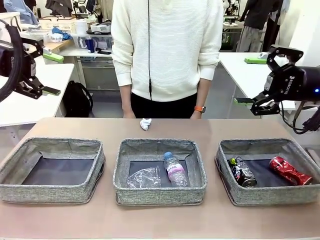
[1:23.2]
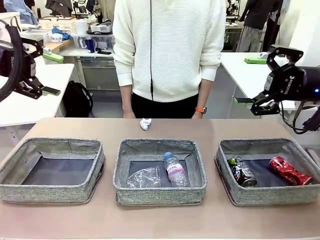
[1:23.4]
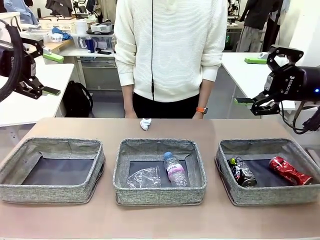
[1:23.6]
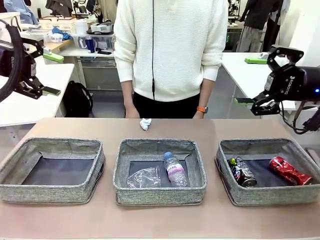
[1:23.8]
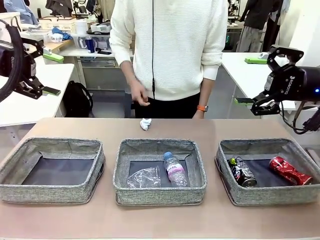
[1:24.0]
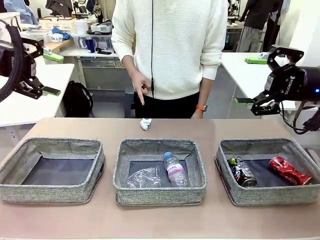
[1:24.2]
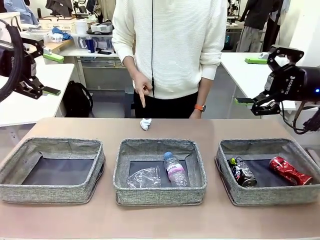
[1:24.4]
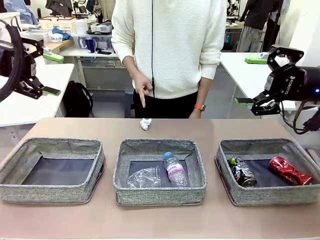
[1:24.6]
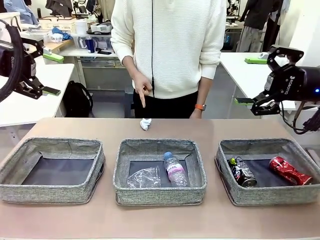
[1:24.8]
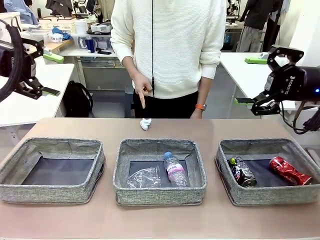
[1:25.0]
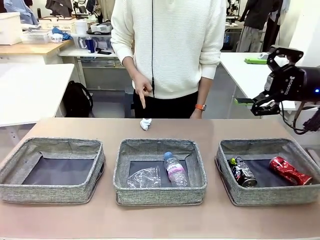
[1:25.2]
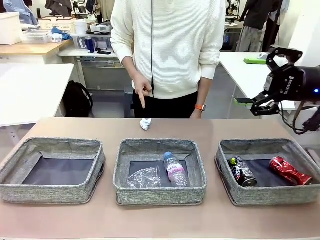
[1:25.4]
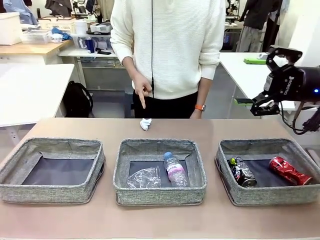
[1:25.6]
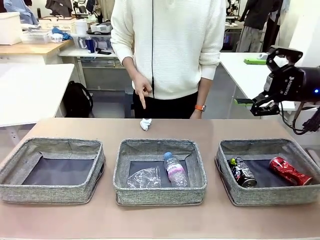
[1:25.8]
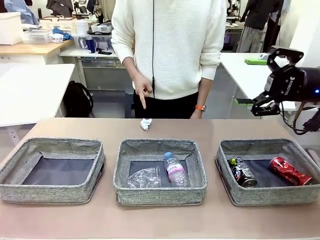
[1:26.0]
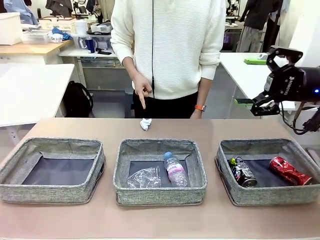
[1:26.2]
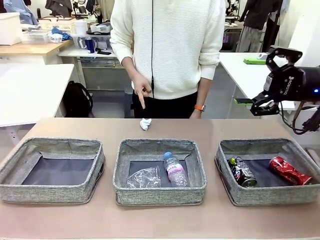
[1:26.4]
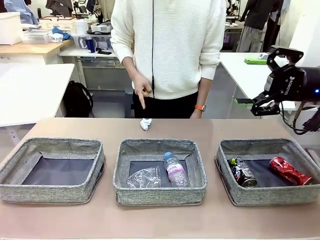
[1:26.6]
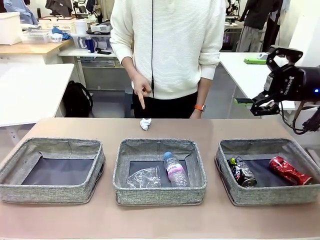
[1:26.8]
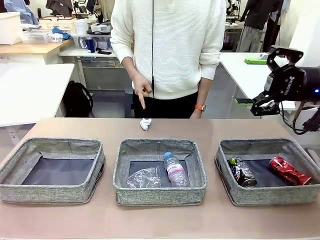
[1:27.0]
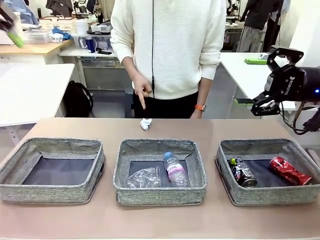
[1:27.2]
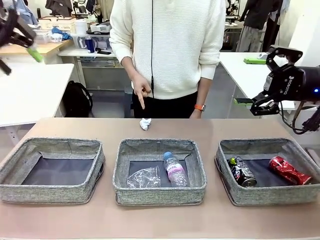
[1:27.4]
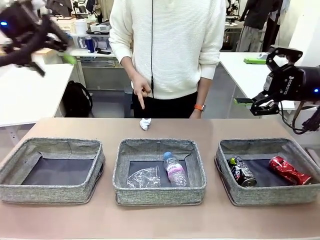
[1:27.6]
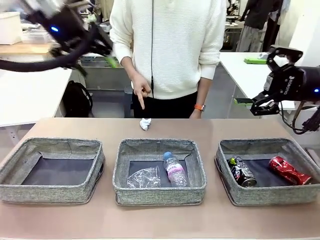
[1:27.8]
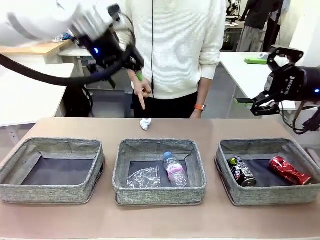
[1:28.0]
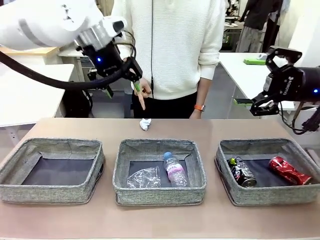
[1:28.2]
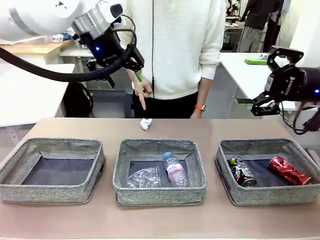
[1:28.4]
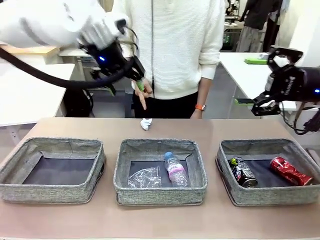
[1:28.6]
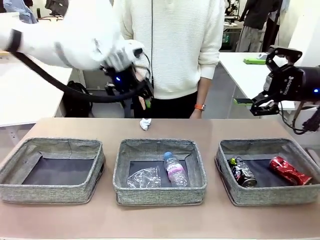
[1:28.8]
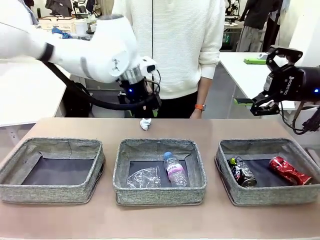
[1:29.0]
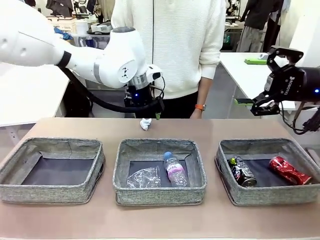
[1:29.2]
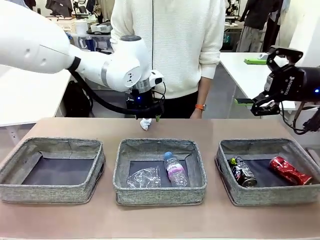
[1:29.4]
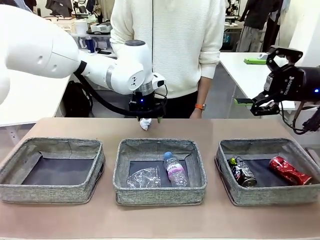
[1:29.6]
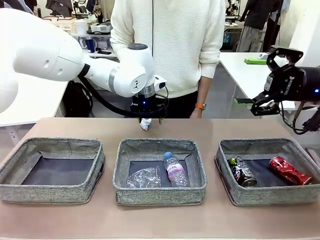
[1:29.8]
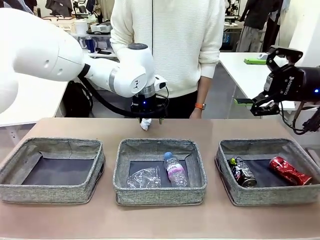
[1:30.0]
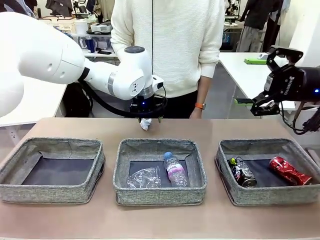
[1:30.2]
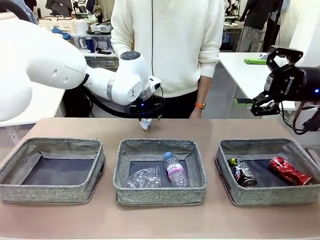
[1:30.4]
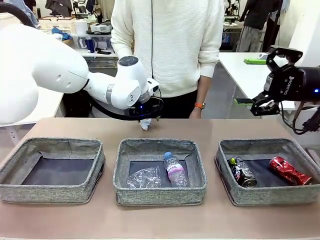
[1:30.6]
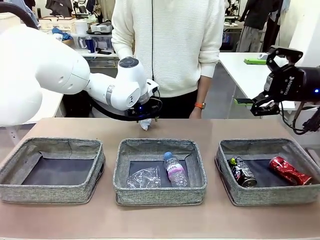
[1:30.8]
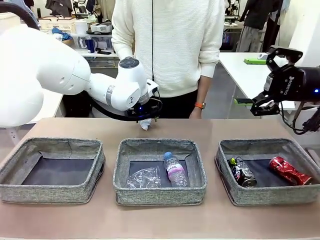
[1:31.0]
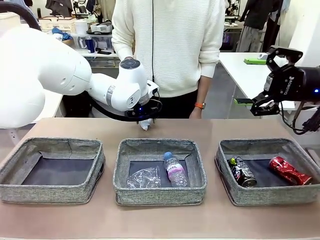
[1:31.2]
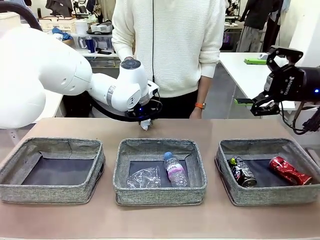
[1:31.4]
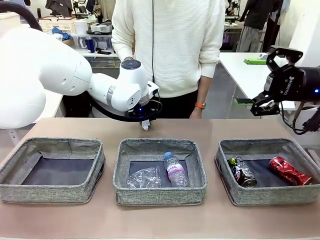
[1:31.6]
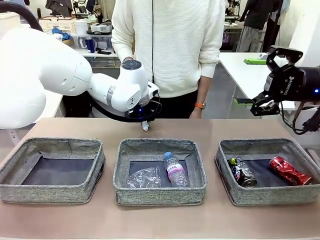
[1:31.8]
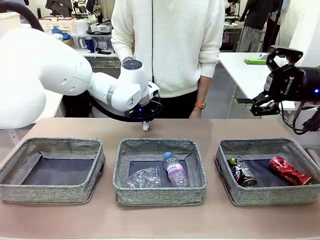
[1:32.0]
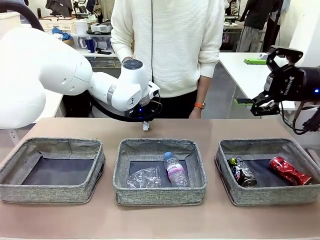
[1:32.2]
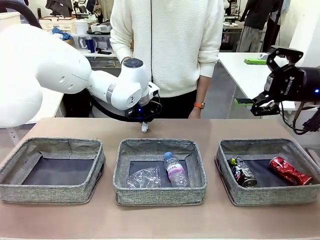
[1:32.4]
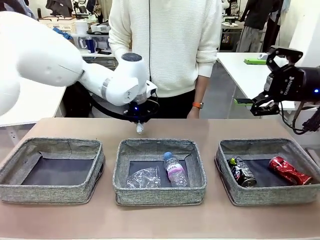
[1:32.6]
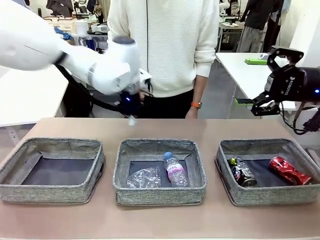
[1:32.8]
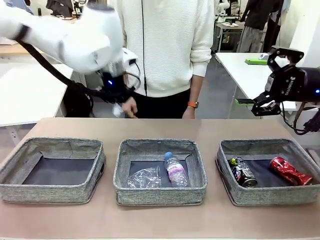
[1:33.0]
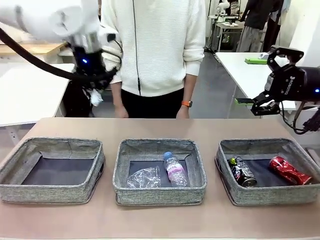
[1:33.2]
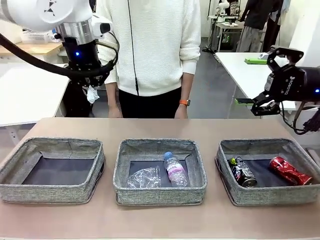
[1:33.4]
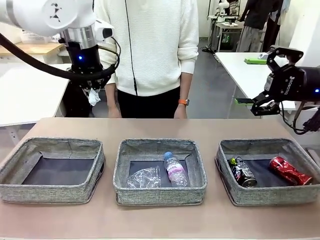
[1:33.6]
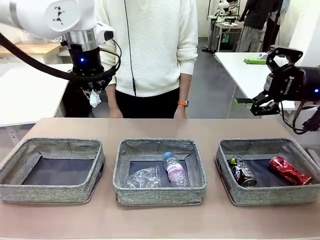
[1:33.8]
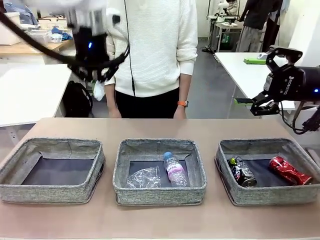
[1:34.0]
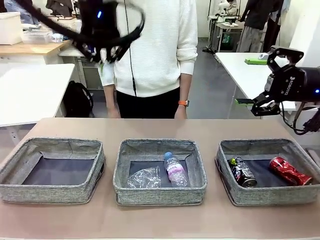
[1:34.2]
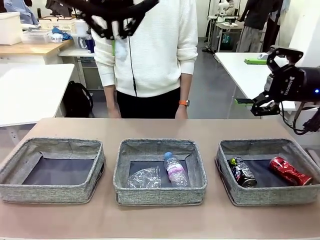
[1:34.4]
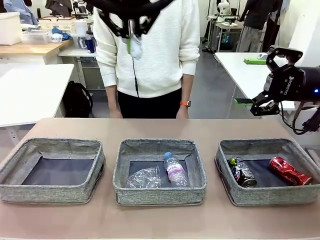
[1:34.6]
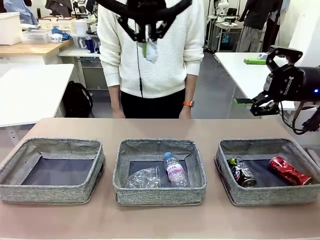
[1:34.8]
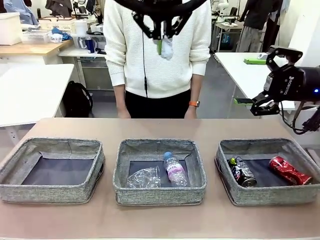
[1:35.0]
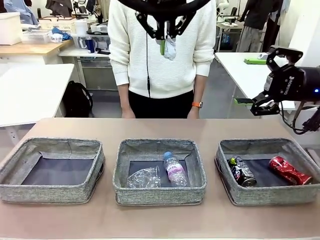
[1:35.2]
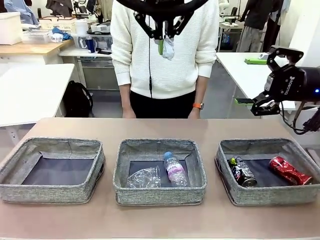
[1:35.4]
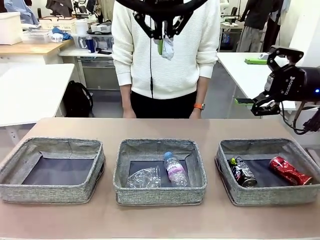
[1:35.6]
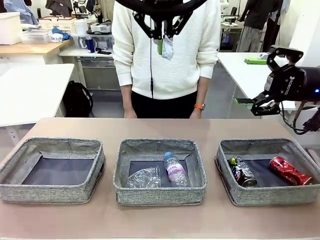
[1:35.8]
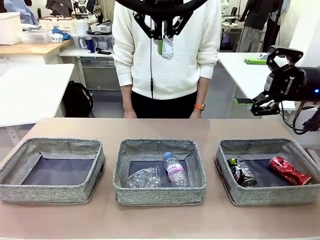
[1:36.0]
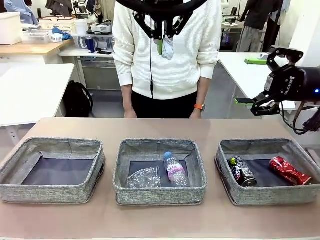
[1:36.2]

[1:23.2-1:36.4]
Task: Sort the waste into the appropriate baskets.
Robot: Pick up the waste item pointed out by the person.
Person: Points to one piece of trash on the table.

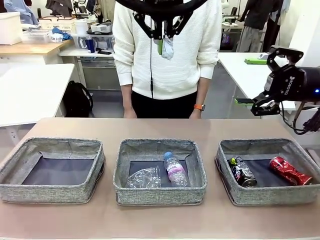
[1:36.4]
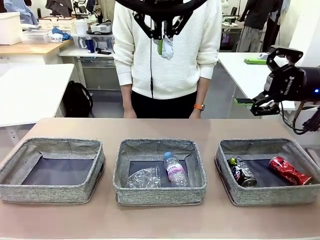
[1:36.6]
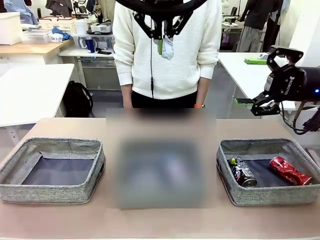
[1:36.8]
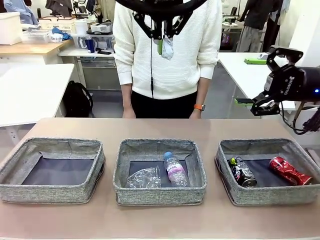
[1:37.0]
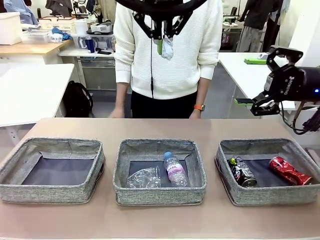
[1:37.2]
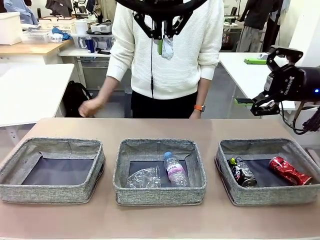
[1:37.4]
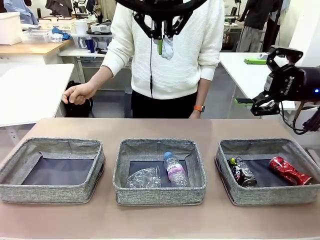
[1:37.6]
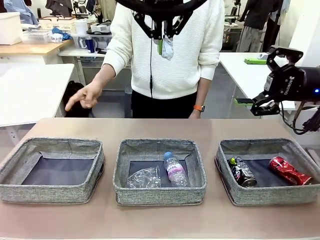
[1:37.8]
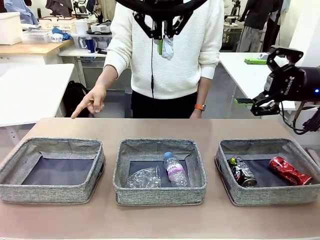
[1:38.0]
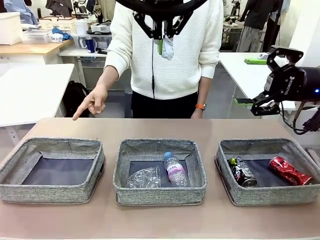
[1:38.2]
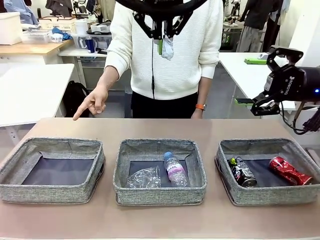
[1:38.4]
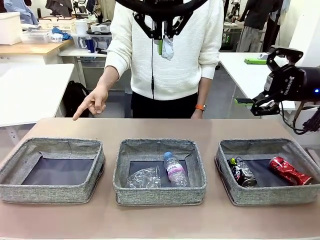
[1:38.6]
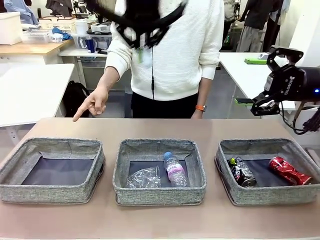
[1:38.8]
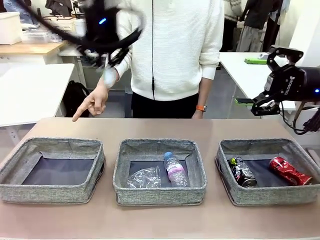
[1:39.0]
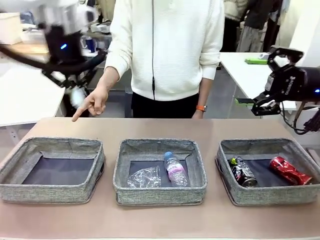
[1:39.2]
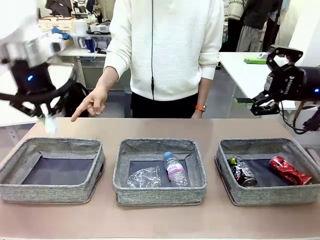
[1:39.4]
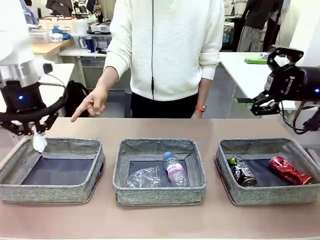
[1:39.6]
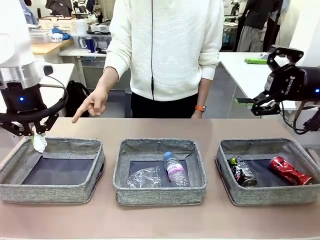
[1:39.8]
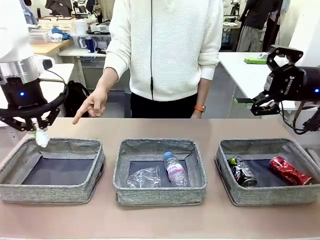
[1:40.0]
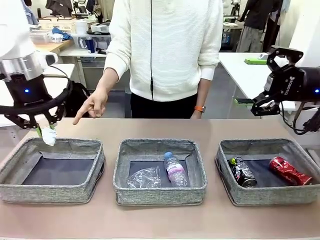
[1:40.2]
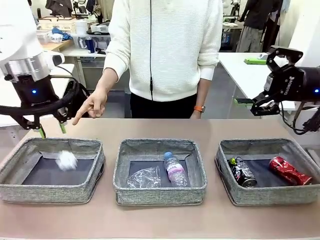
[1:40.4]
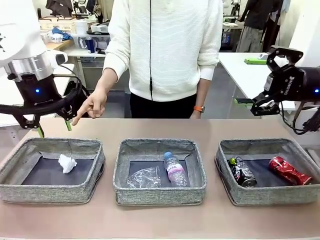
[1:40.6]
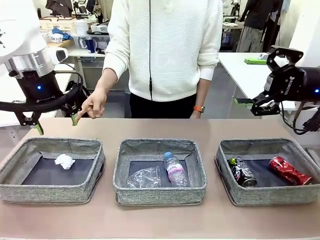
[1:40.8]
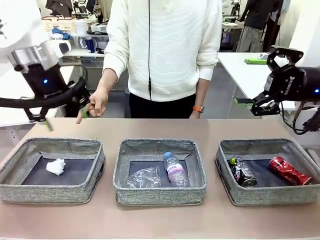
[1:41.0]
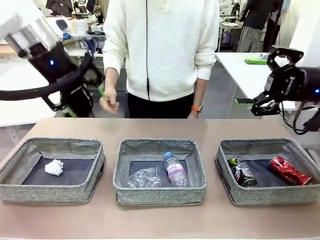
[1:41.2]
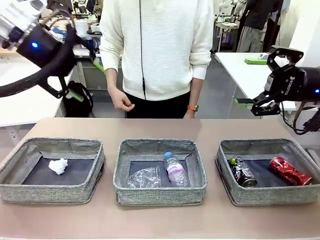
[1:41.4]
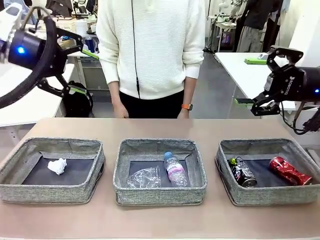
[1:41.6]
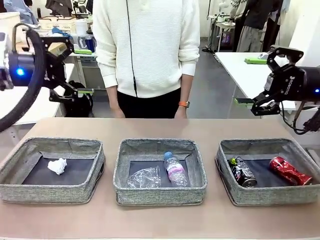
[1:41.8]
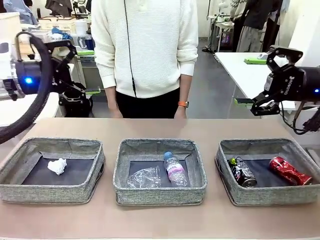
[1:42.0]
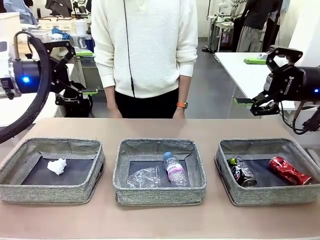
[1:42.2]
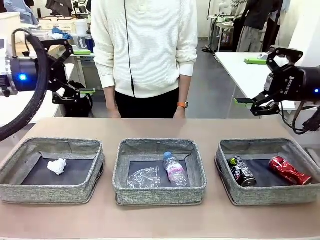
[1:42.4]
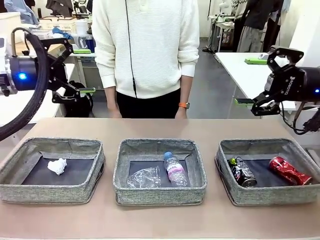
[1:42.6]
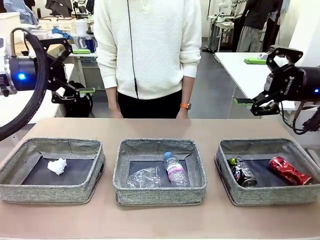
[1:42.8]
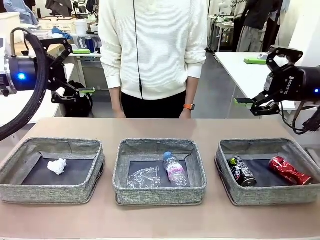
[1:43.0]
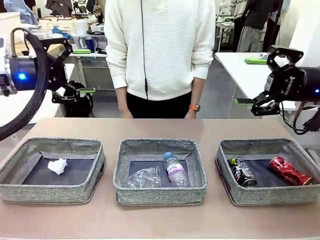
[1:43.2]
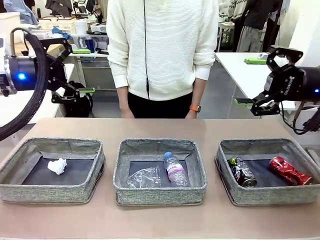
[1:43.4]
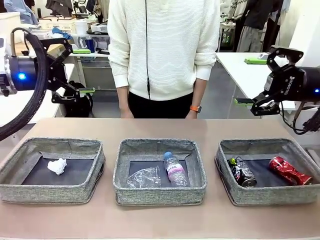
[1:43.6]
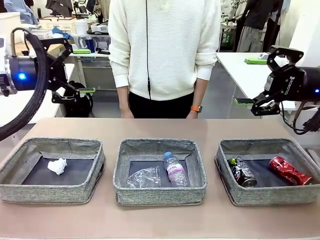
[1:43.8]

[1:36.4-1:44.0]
Robot: Place the picked waste into the Fabric basket indicated by the person.
Person: Instructs the robot to place the picked-up trash into the appropriate organizing basket.
